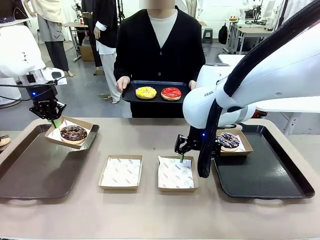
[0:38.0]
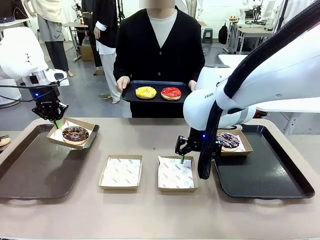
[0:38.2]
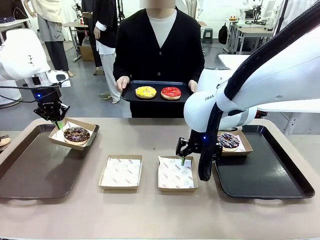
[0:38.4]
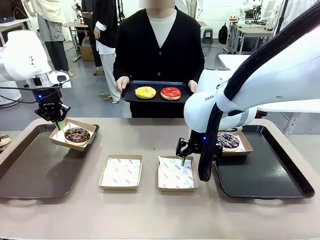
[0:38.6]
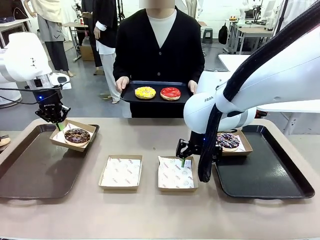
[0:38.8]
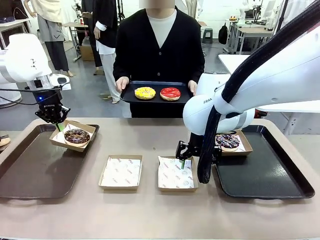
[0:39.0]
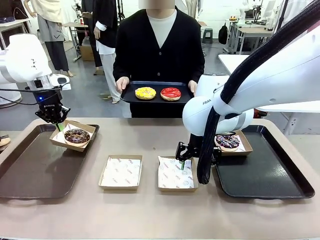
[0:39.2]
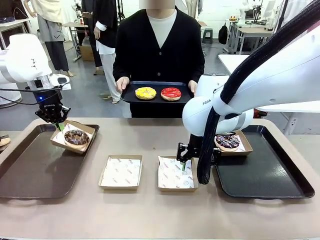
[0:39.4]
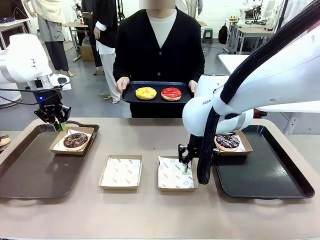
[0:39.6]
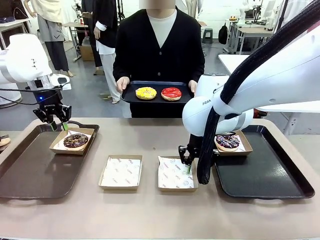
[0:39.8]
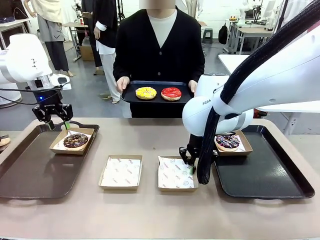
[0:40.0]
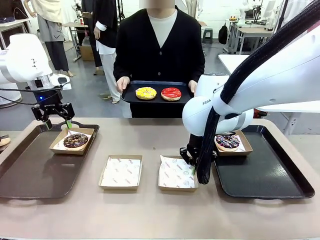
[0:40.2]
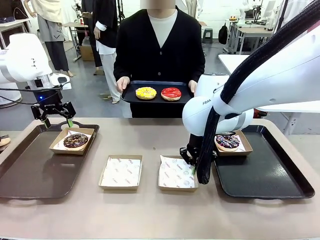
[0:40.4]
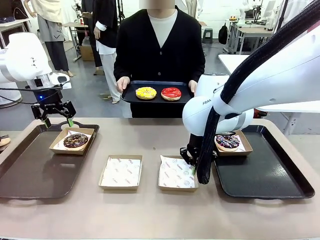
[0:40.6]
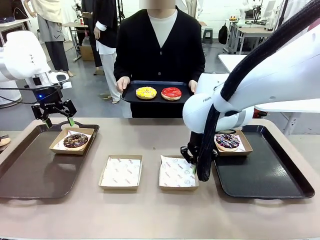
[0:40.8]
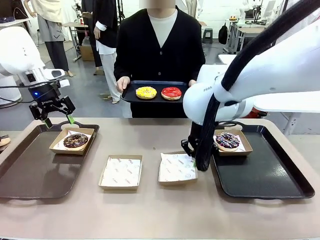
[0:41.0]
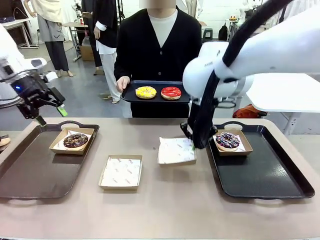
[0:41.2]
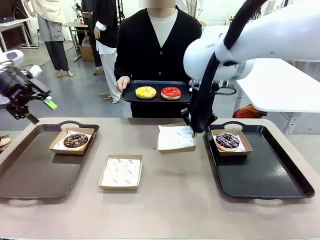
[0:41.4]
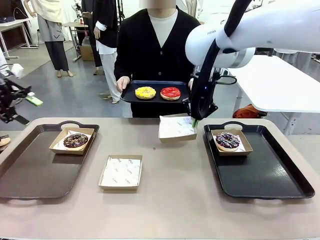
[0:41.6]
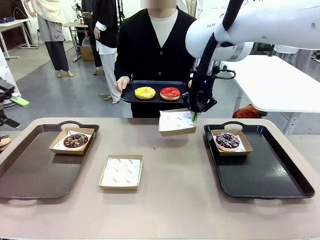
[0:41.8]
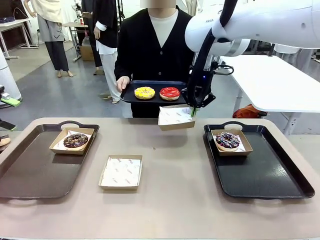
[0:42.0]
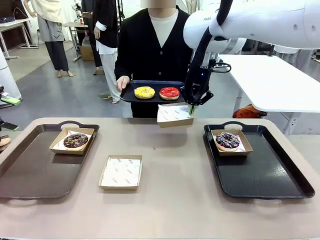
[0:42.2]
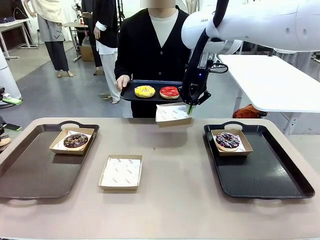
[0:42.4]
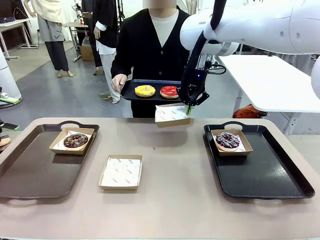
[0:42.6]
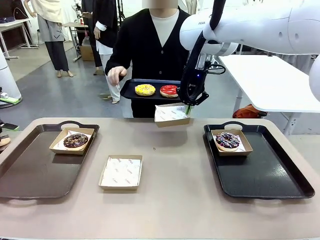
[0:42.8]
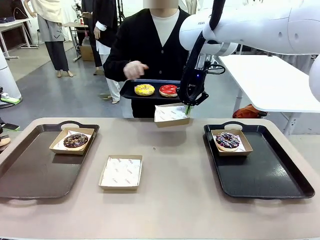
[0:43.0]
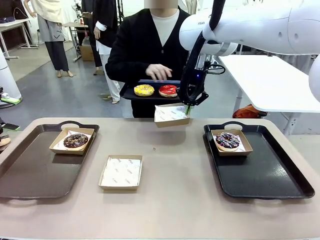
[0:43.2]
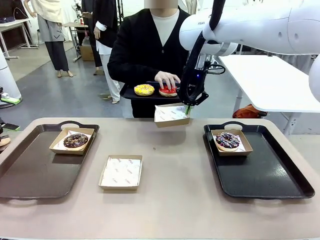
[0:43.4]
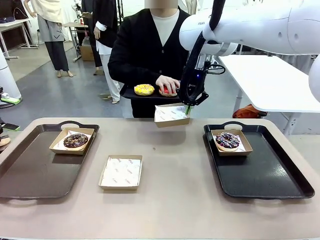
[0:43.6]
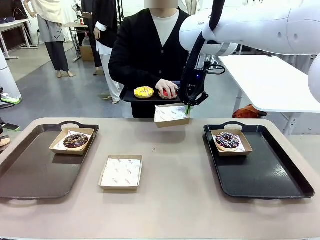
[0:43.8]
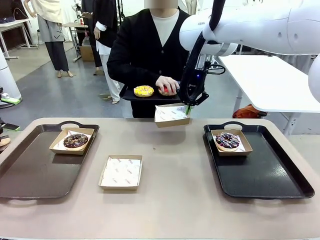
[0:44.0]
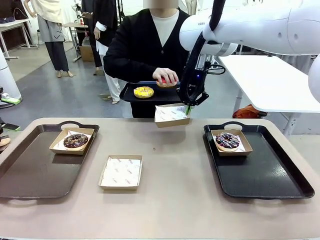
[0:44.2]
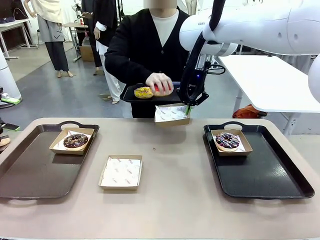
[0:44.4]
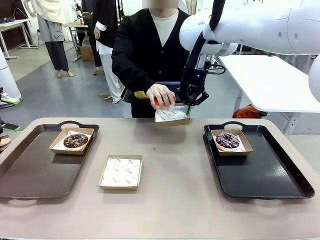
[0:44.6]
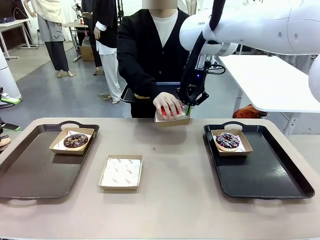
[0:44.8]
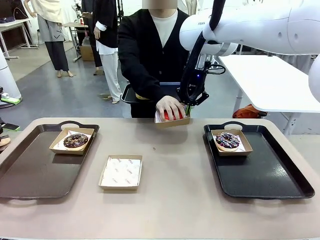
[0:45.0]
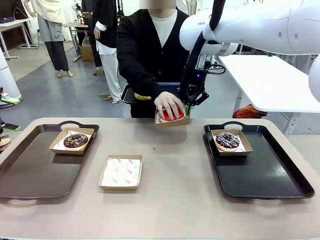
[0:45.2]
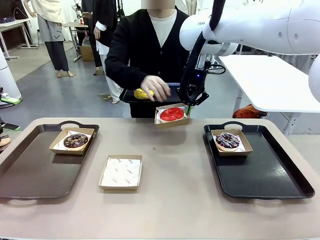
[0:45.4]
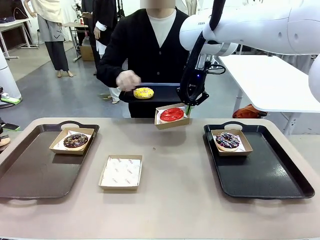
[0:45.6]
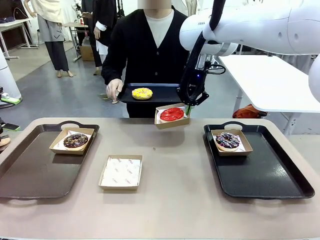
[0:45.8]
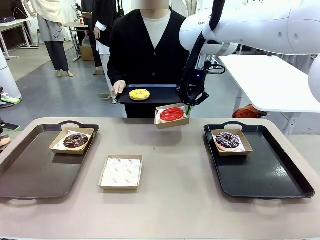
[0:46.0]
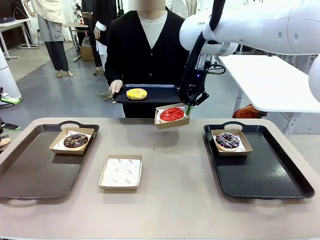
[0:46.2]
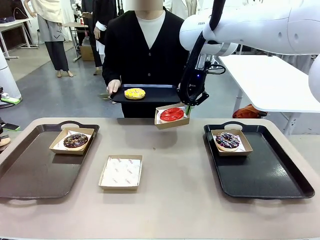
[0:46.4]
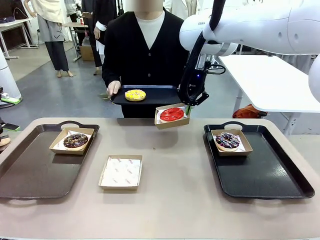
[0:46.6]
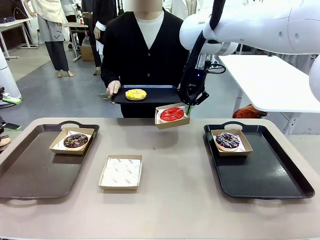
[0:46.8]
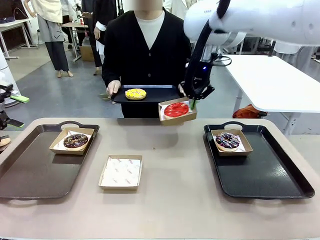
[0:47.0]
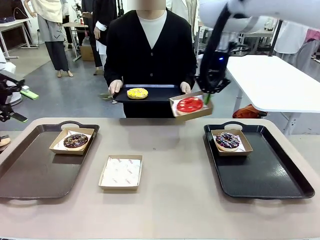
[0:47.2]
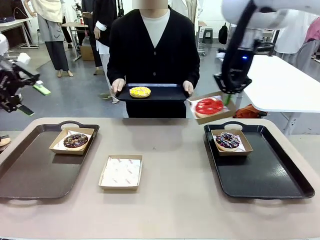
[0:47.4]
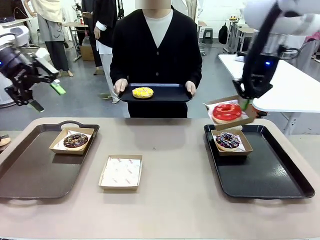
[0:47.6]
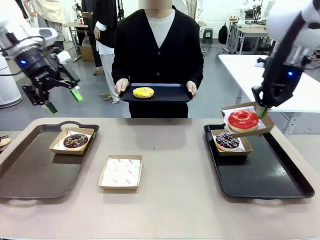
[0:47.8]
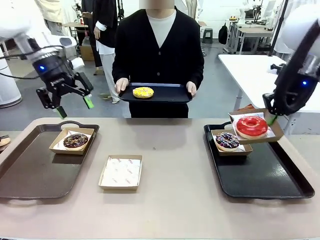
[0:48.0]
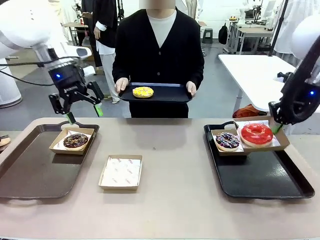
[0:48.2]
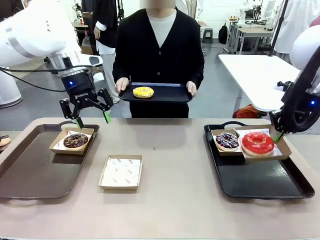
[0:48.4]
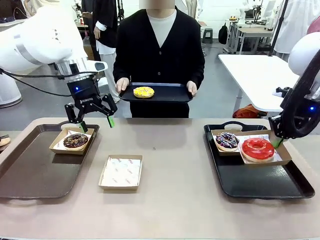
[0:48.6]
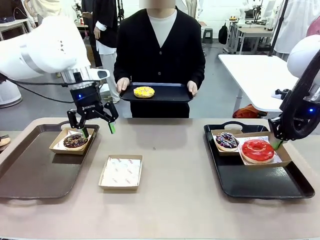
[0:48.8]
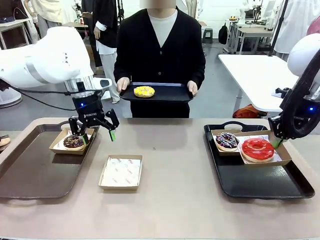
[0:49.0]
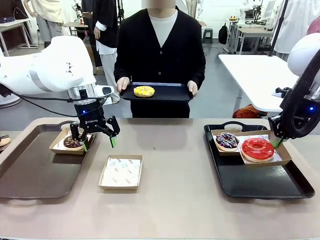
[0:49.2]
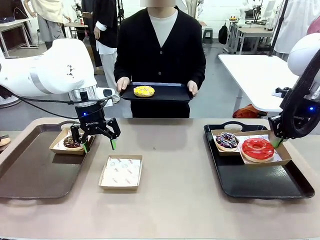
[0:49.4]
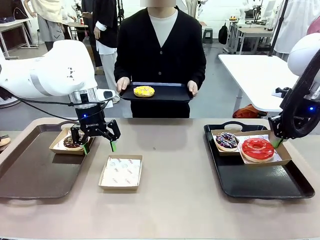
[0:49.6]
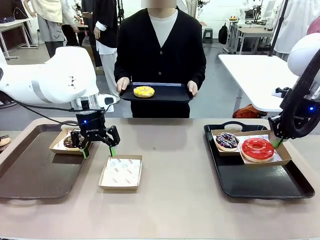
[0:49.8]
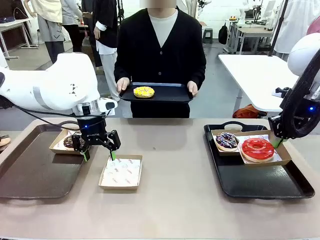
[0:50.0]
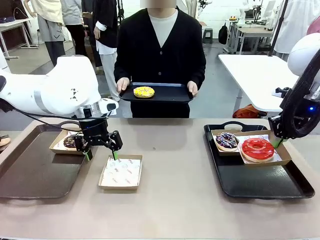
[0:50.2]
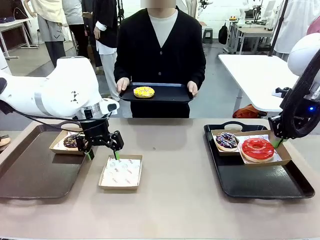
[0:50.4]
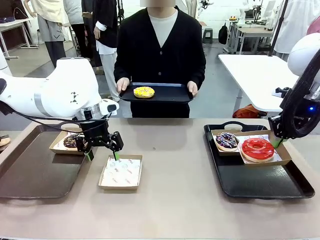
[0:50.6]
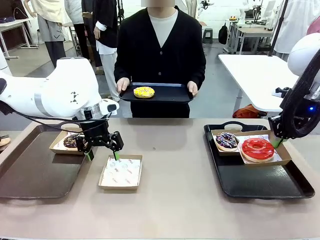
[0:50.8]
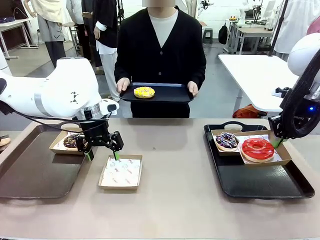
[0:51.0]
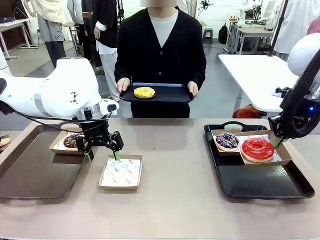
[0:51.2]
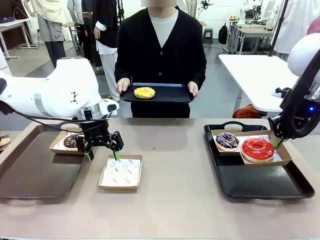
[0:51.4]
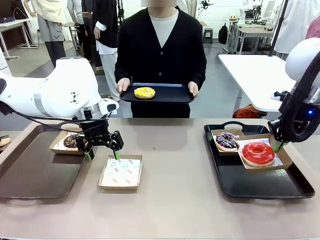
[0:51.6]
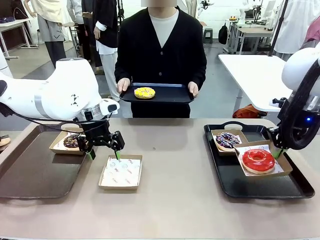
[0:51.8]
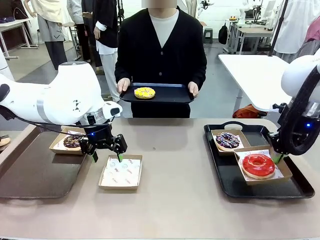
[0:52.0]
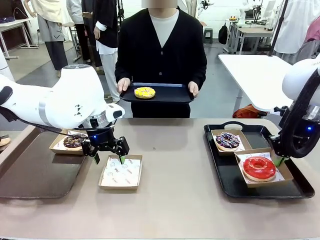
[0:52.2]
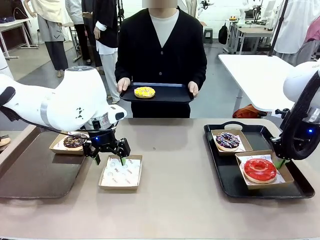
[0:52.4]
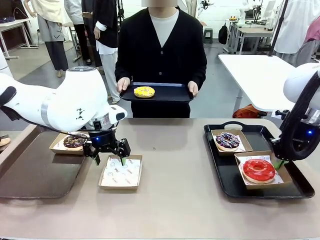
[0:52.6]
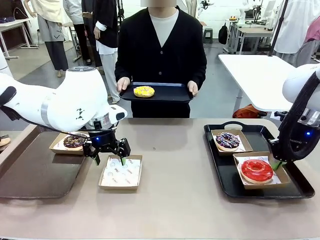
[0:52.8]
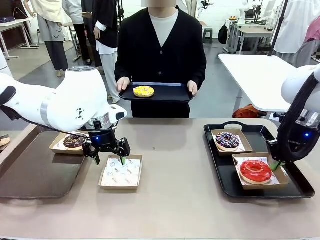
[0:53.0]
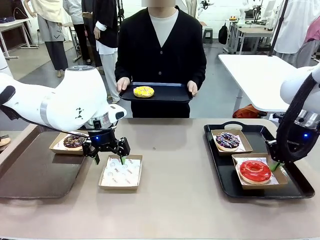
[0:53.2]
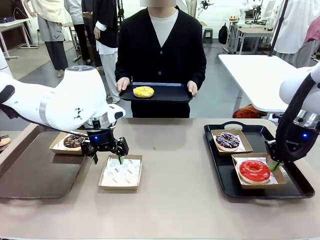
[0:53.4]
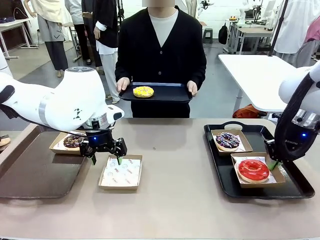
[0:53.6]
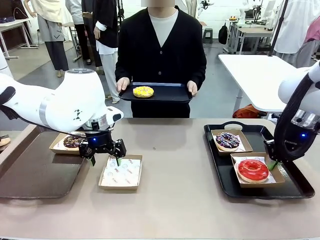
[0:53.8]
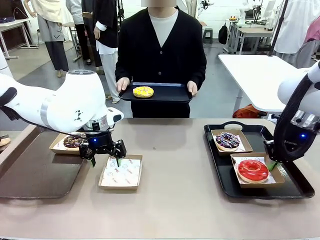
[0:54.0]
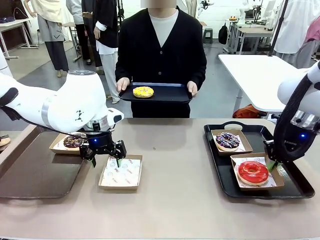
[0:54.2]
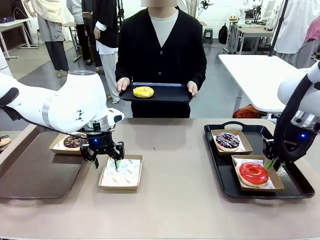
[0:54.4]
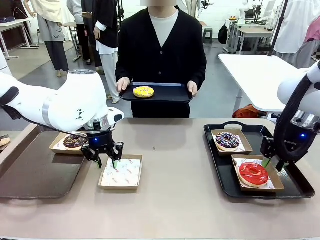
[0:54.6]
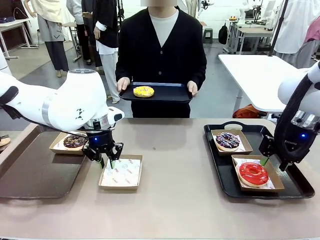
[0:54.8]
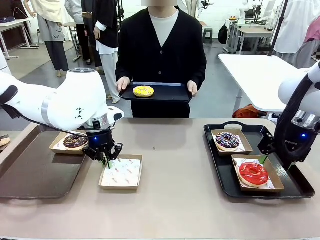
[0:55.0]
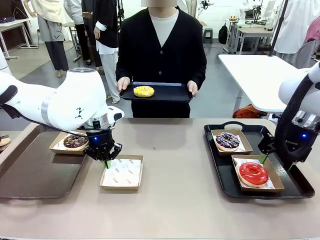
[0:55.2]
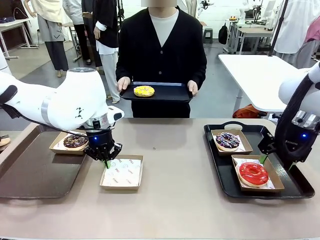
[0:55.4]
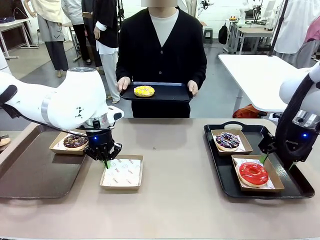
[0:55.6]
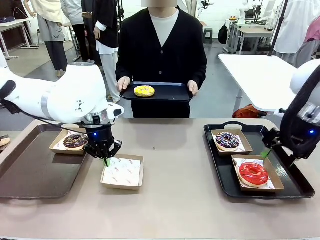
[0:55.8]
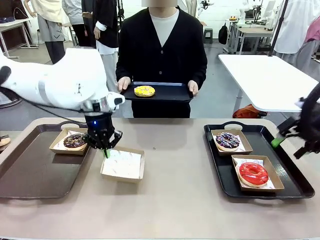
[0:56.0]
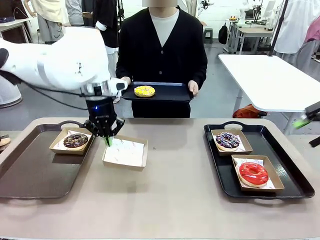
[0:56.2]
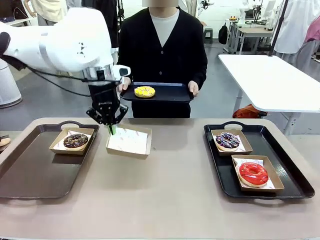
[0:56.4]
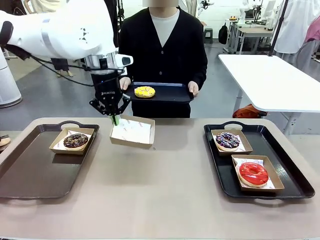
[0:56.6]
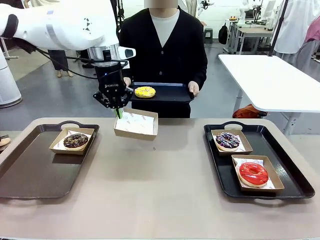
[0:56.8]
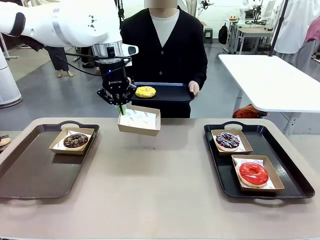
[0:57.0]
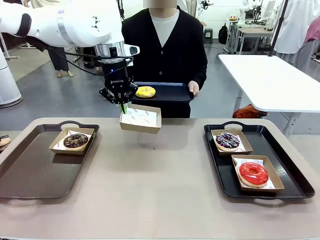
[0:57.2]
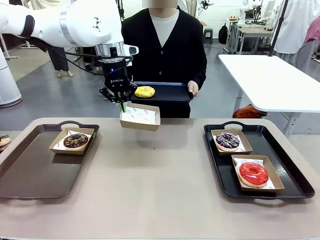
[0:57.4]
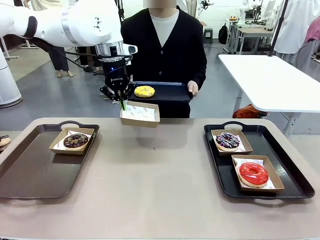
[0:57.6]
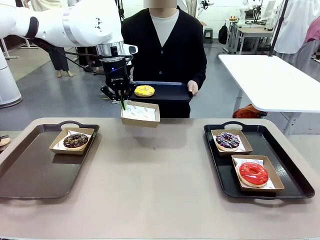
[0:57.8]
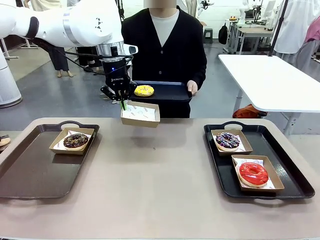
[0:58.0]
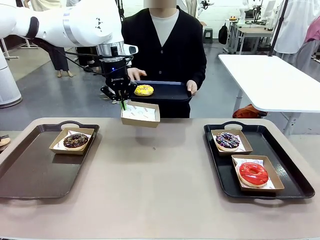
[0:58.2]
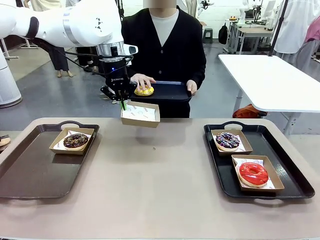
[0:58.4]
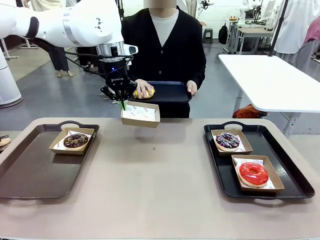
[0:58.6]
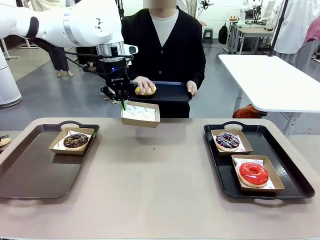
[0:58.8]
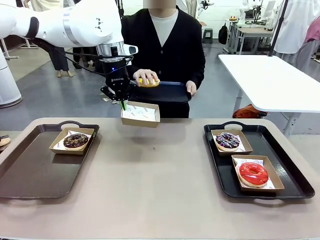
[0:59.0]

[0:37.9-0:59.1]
Task: Individually package the donuts and arrange them on the tray.
Robot: Place the picked Paper togo box on the Handle tray while simultaneously picking up another Paper togo box from the table with the other hand.
